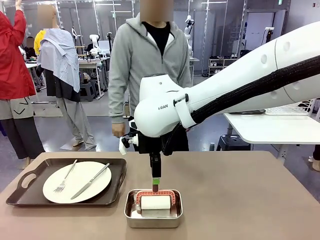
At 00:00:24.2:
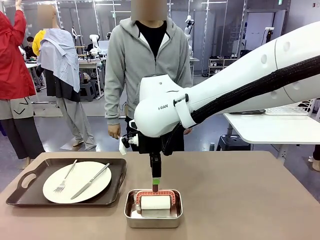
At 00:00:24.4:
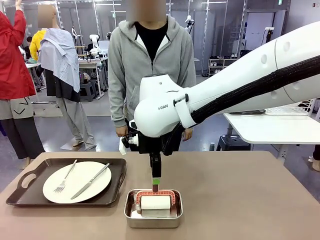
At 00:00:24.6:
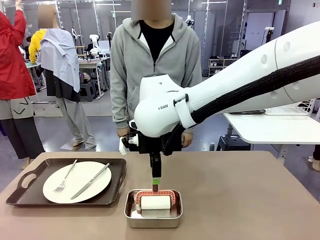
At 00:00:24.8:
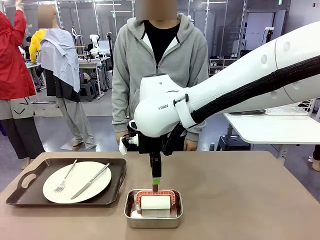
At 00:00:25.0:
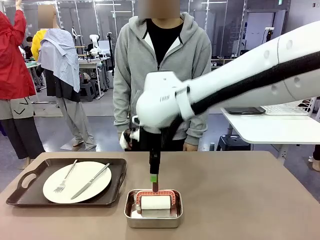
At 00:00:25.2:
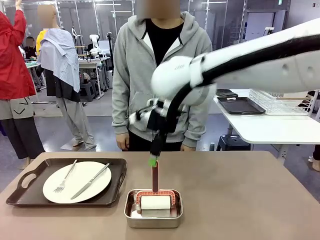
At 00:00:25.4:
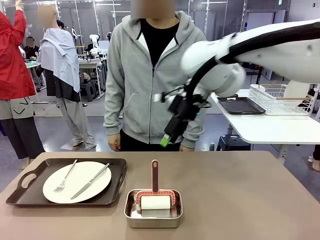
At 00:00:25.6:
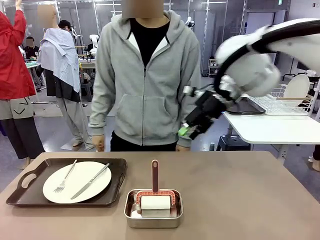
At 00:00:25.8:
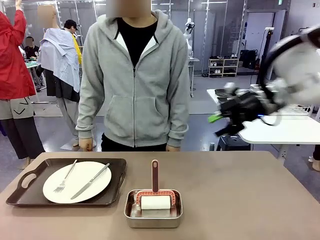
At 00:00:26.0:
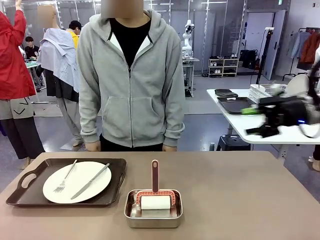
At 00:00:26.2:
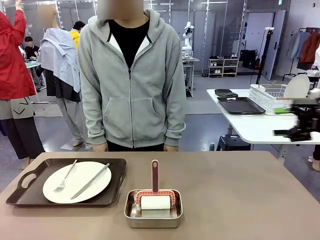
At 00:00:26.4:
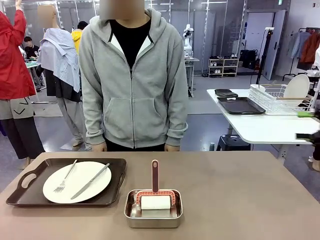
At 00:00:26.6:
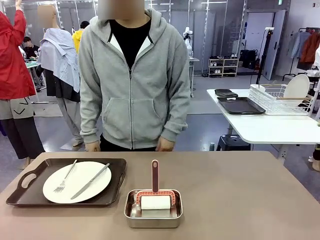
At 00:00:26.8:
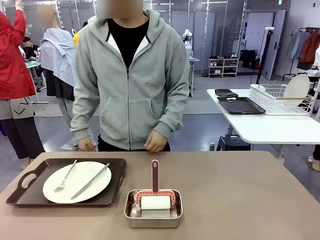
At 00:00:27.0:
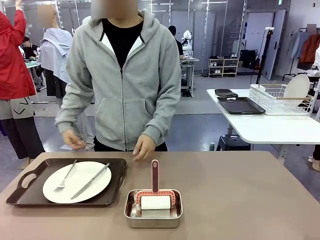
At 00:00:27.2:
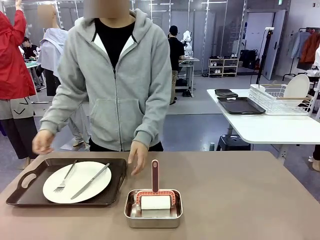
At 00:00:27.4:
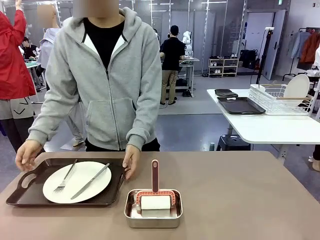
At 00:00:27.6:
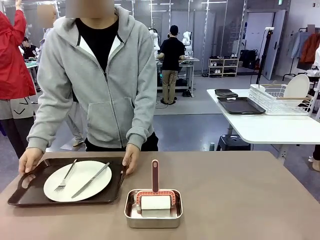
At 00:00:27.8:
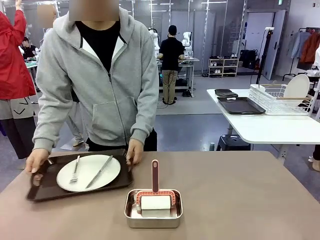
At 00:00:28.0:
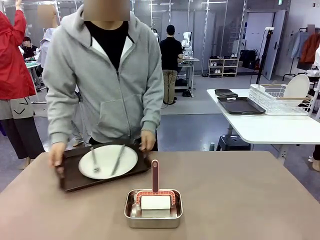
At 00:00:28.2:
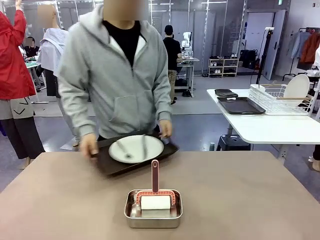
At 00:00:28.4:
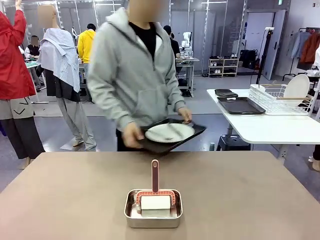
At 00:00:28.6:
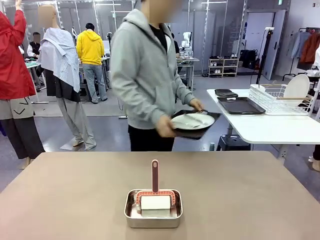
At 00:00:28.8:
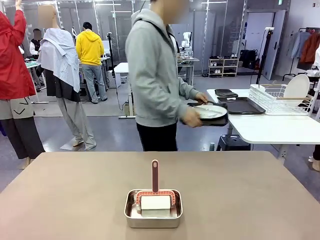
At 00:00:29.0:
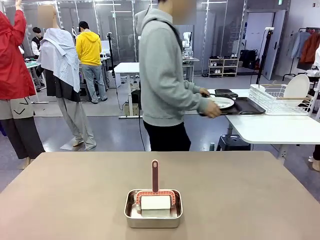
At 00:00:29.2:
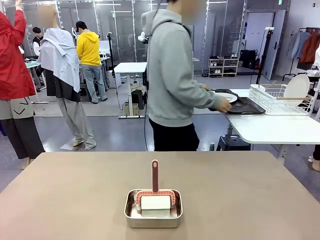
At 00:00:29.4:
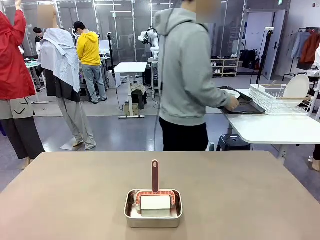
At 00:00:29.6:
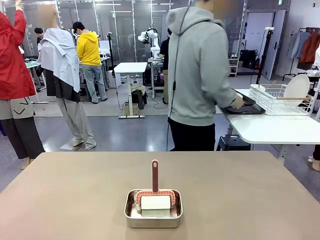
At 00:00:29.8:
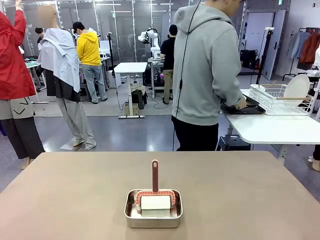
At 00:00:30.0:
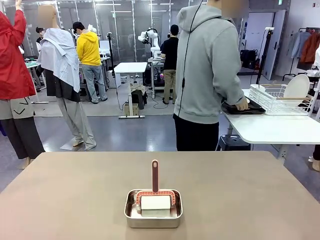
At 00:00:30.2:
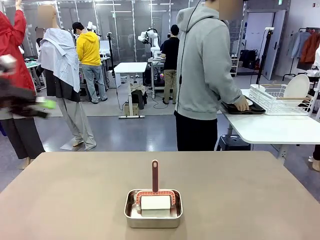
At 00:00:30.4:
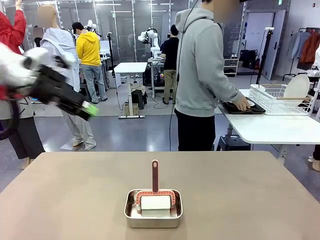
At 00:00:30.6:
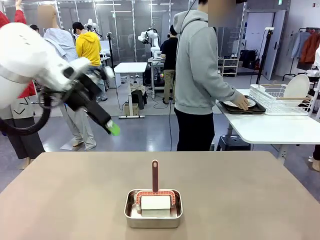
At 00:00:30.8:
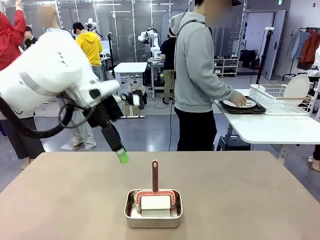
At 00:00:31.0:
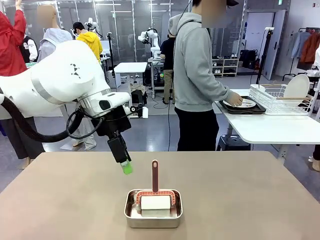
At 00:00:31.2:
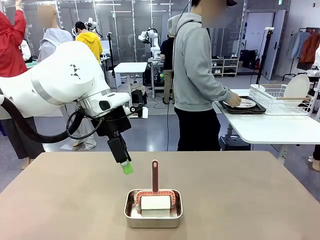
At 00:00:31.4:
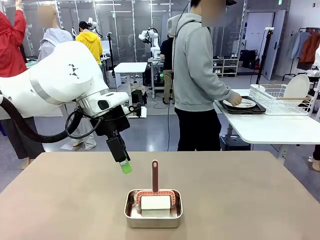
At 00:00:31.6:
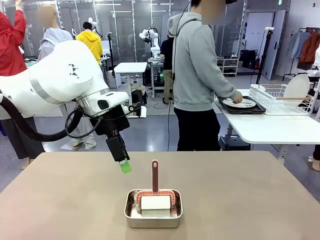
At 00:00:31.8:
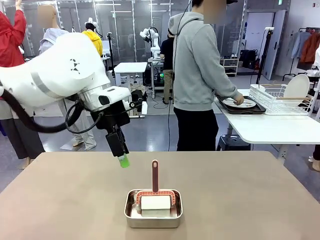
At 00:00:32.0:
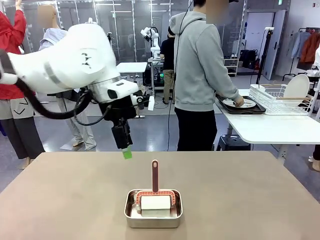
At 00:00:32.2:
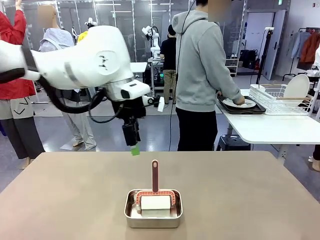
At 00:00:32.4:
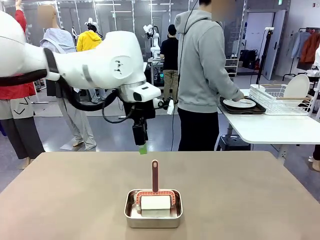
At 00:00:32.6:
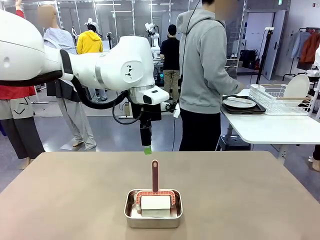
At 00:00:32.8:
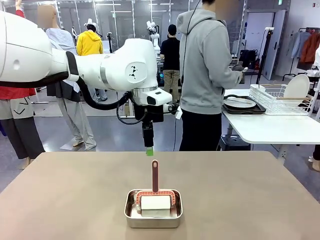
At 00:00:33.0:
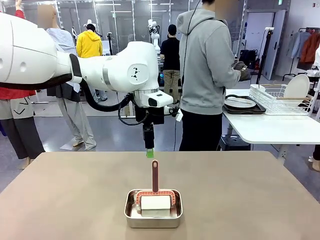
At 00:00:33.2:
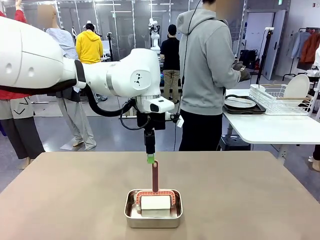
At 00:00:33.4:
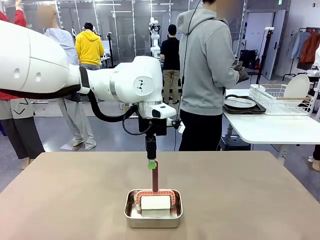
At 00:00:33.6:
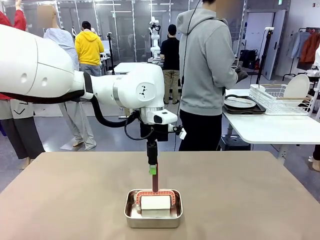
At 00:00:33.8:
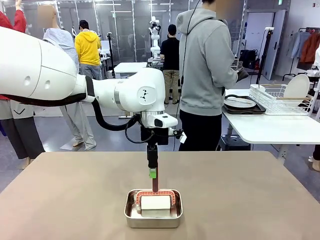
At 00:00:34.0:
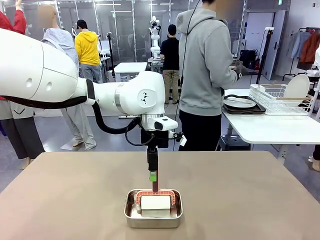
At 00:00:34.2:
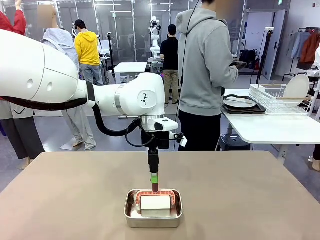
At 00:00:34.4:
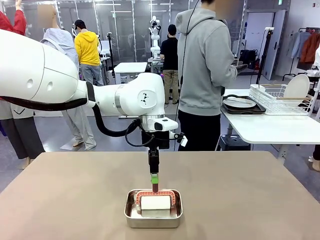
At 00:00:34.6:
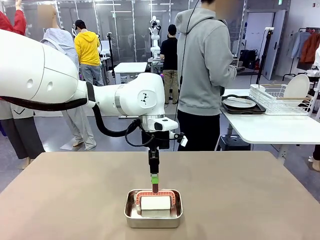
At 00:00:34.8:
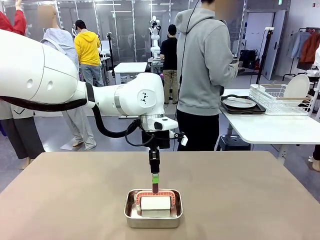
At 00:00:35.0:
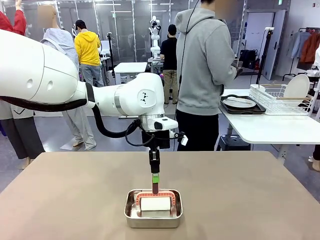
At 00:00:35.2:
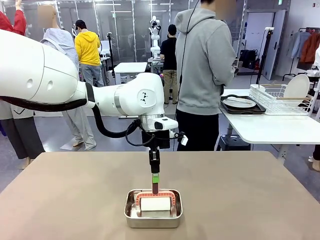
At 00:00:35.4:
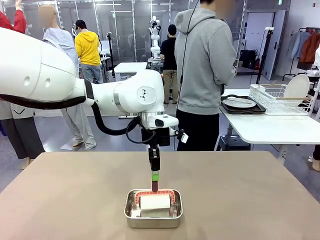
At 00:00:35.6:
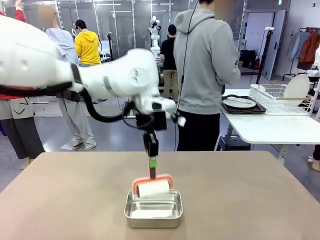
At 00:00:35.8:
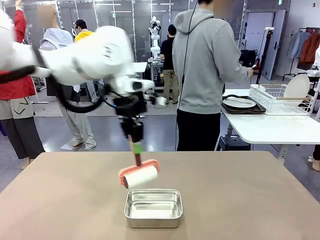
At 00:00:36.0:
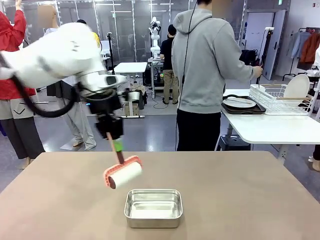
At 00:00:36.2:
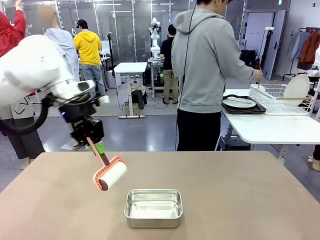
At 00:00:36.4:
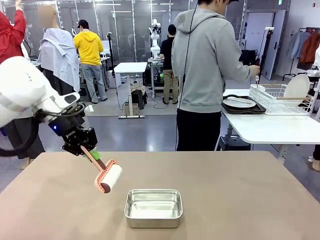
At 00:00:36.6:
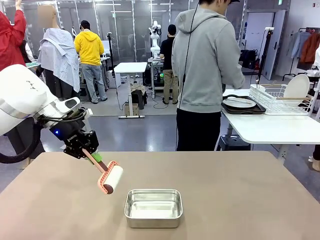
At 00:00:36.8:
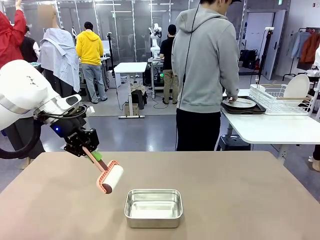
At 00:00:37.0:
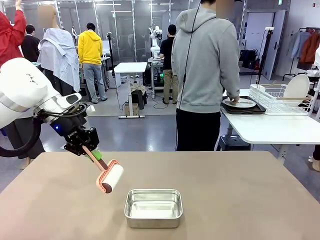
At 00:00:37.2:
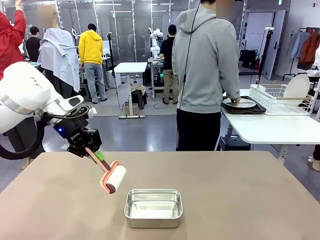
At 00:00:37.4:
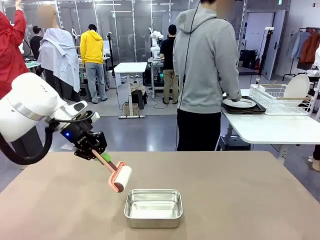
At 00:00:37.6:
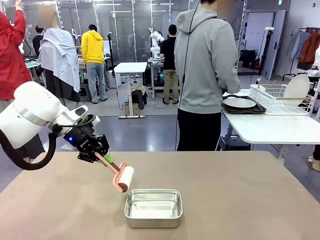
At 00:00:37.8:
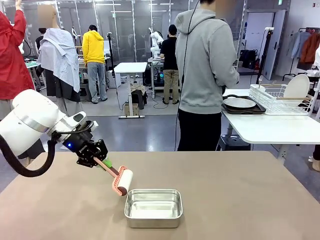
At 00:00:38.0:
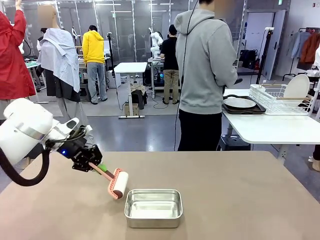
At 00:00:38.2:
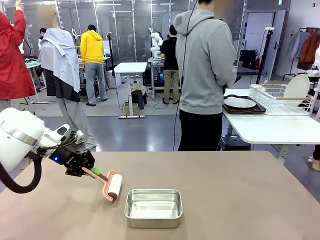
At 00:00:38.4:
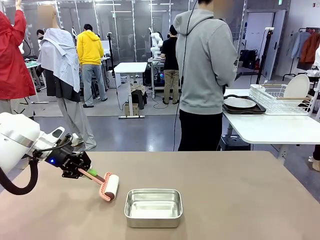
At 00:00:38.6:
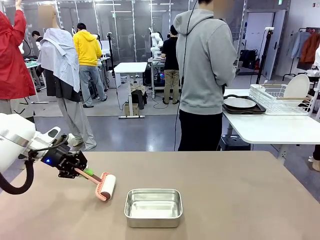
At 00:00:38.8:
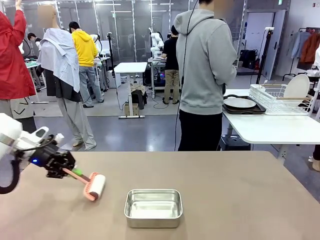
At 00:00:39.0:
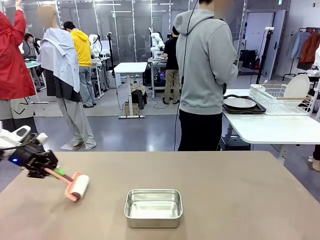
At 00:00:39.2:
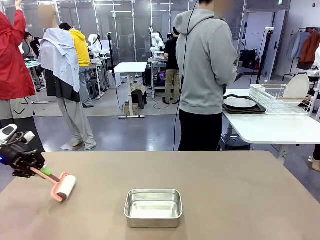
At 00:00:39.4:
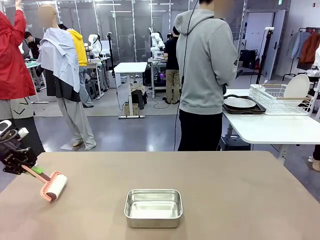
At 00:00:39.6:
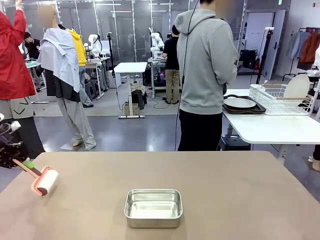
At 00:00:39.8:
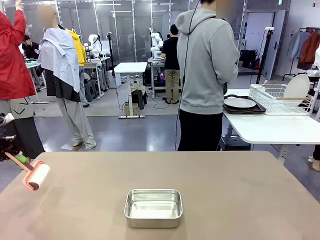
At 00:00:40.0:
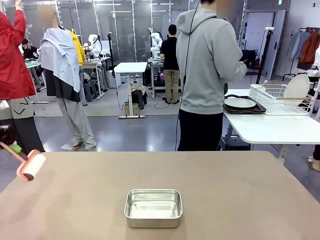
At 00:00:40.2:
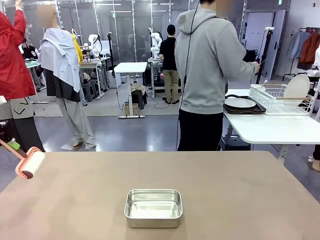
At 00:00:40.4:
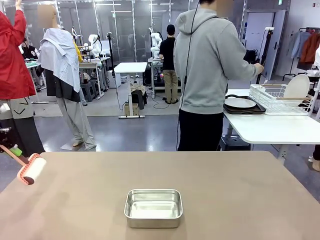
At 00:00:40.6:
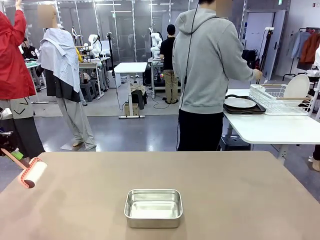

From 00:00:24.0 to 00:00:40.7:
Robot: When the right (or left) Handle tray is removed, use the right hand (or left hand) to clean the right (or left) side of the table with the Lint Roller.
Person: Pick up the left (or right) Handle tray and place it on the Handle tray.
